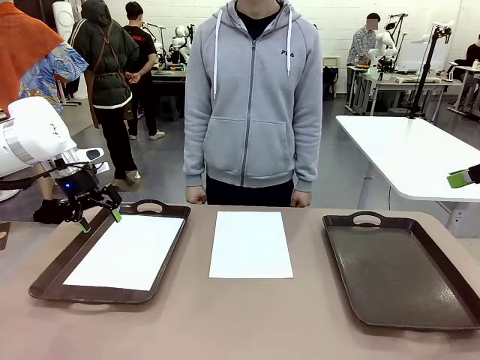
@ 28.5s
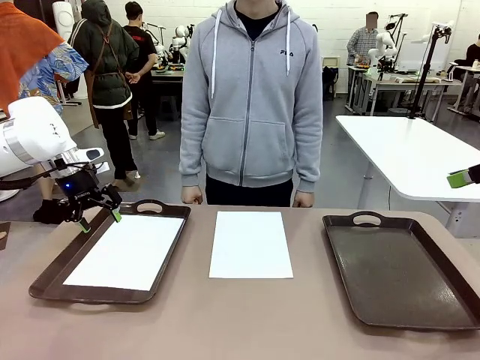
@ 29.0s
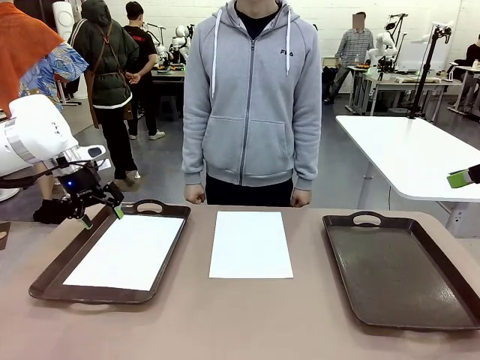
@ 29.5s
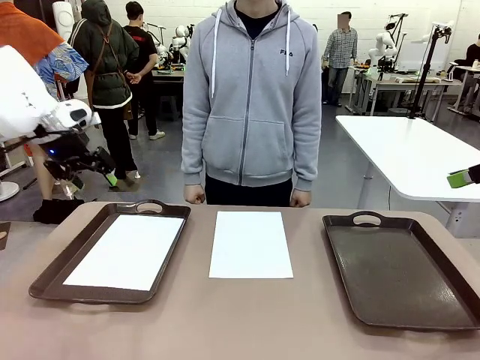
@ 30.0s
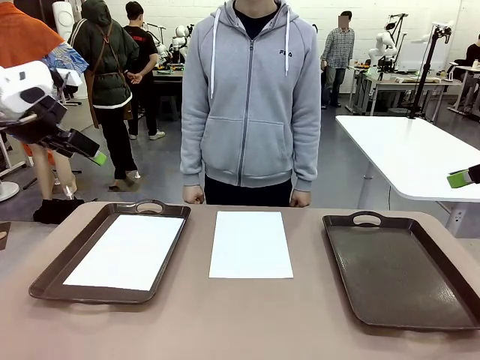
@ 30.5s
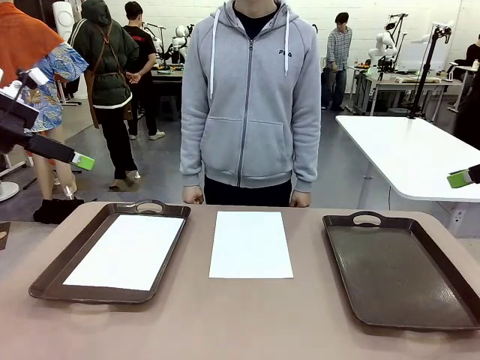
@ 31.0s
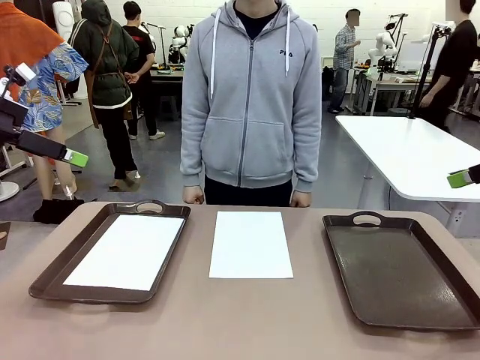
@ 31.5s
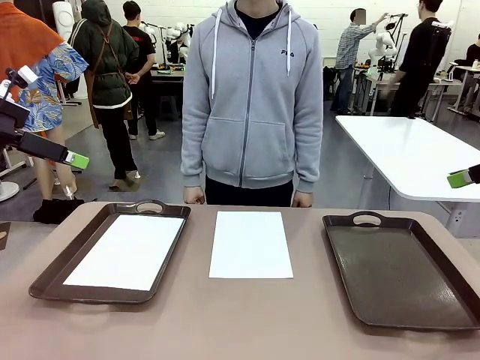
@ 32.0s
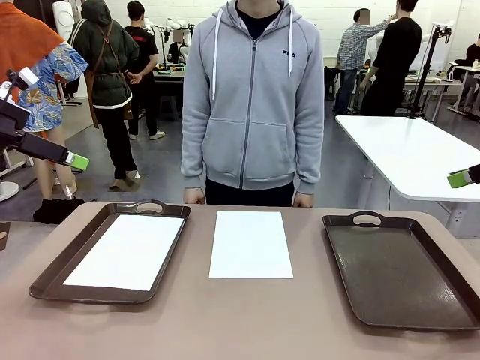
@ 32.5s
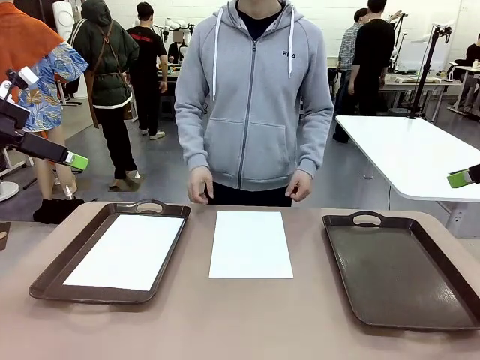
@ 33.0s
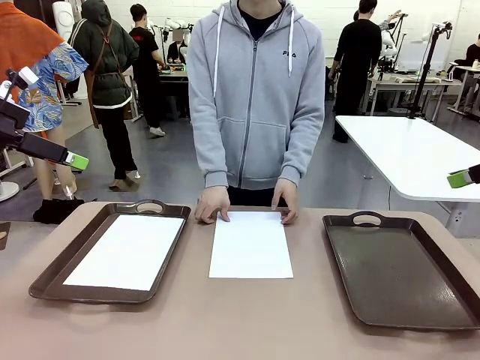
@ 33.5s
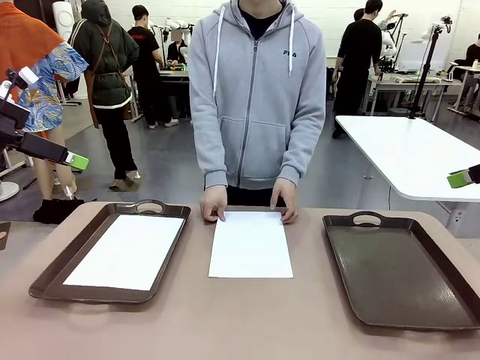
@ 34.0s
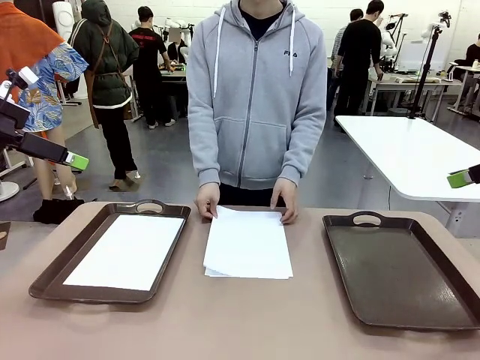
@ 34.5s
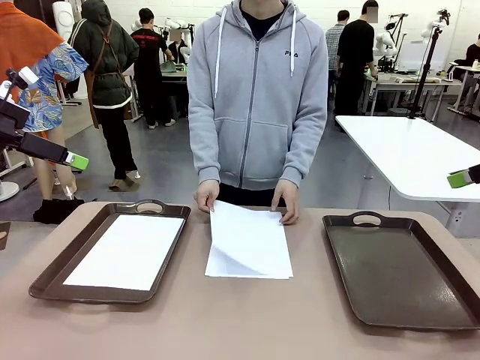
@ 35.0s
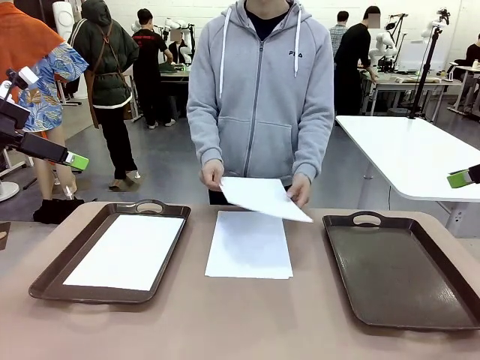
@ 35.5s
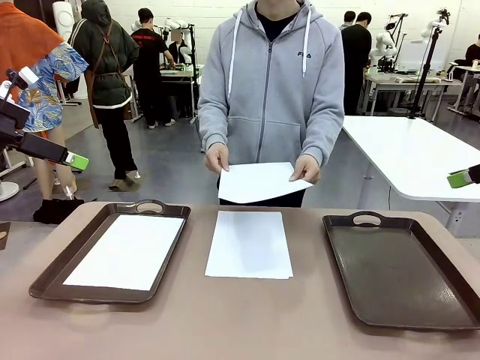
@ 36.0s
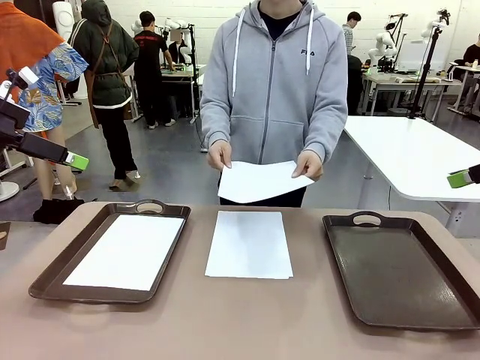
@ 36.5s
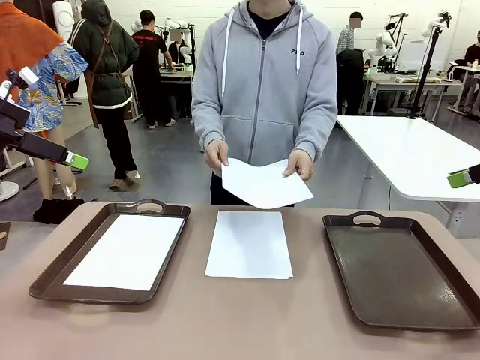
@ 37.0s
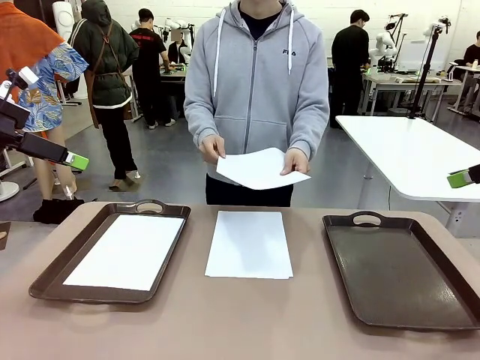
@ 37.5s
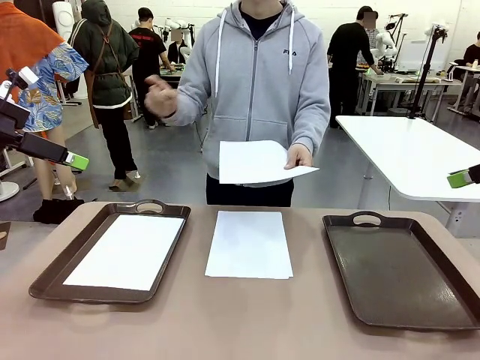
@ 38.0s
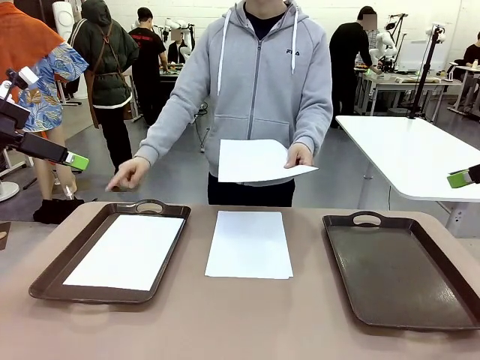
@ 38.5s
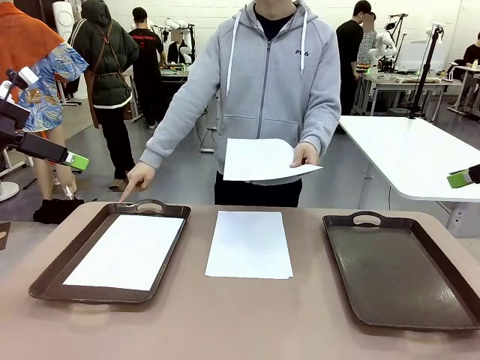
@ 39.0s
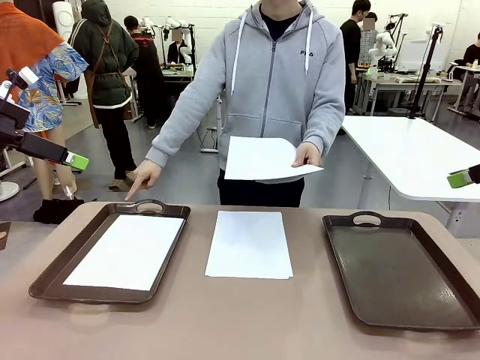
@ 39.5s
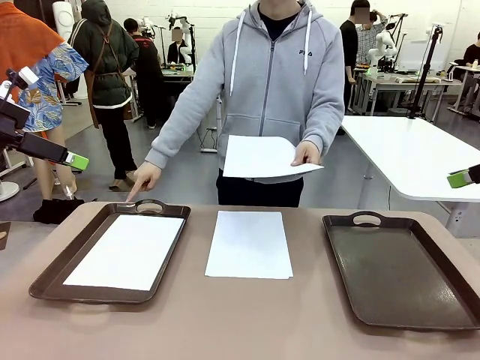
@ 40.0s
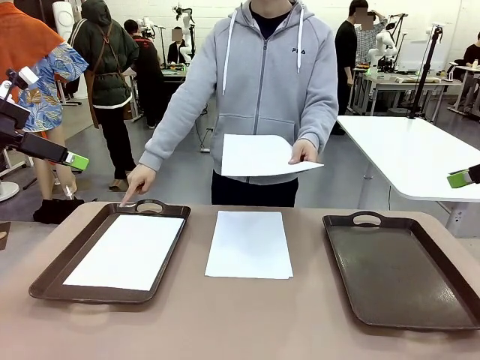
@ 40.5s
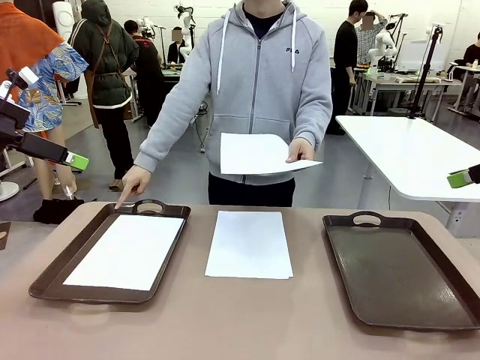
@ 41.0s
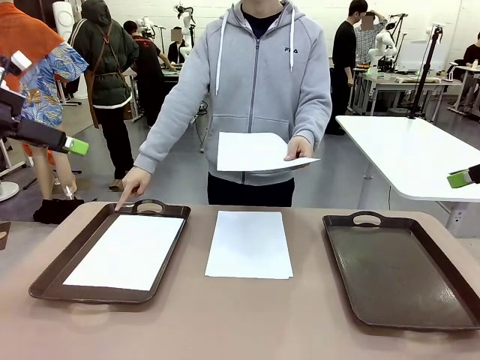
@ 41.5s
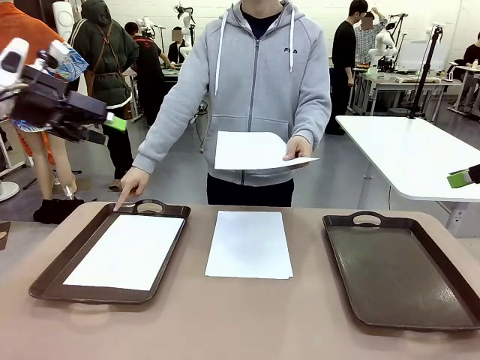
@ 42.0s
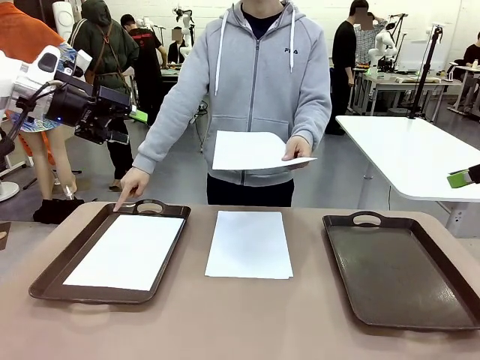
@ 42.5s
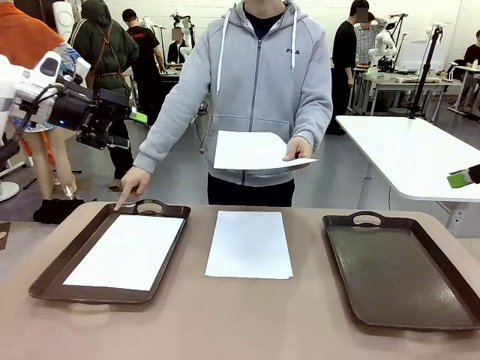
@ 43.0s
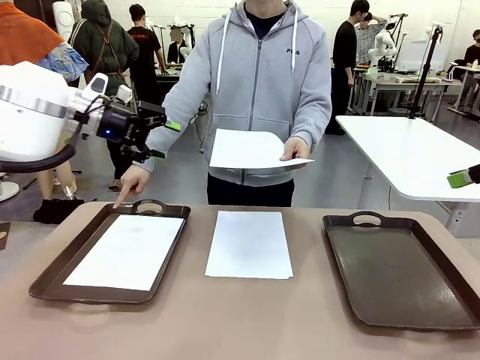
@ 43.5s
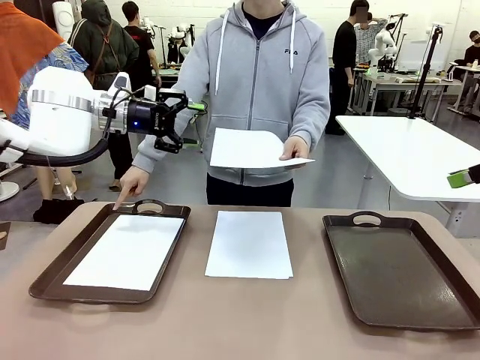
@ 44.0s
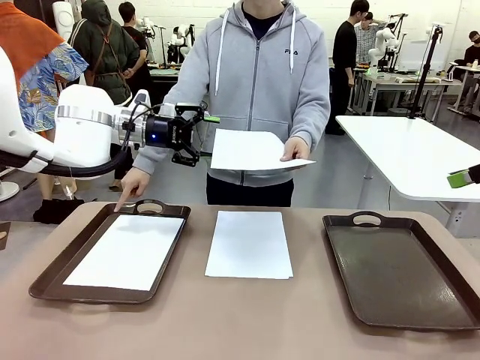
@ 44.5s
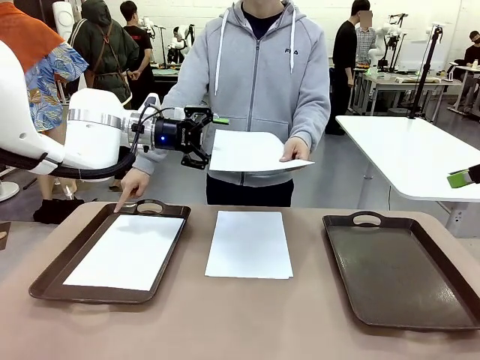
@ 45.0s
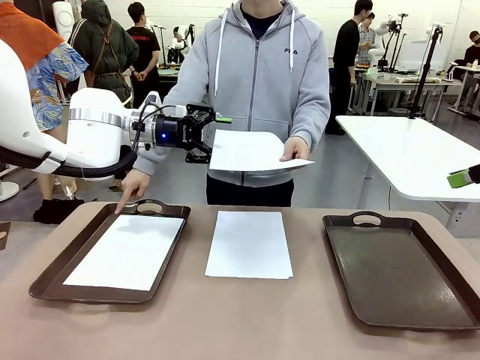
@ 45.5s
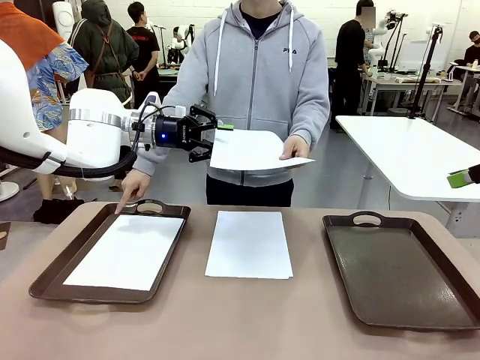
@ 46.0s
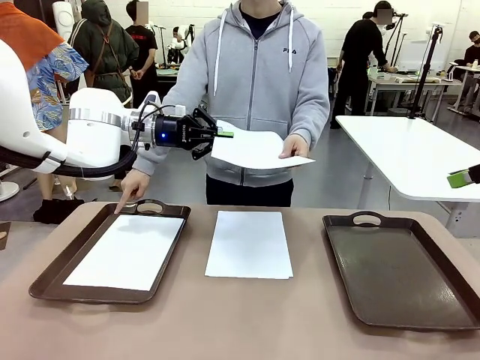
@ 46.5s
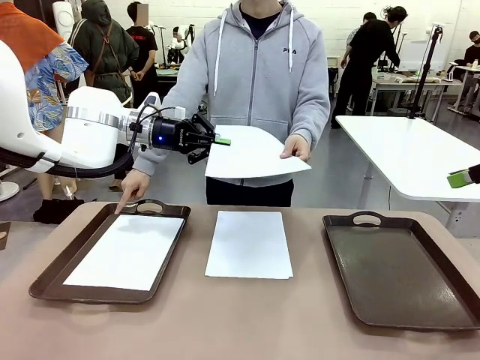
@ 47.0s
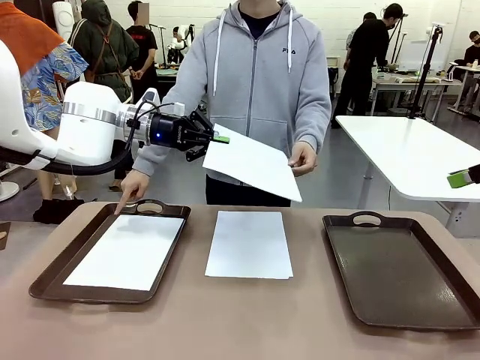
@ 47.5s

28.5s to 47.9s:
Task: Sort the A4 documents.
Robot: Receive the A4 Paper.
Person: Point the randomly selected tray with the other hand.

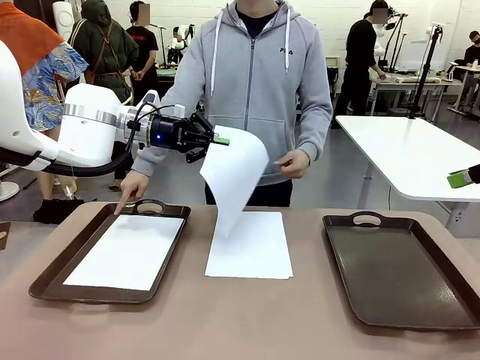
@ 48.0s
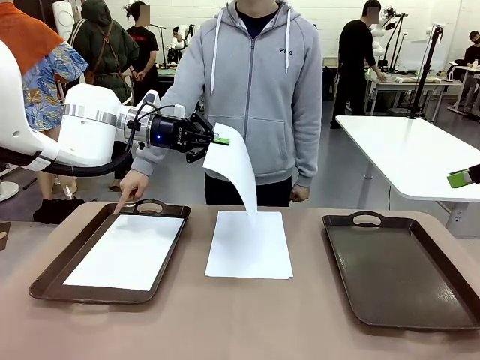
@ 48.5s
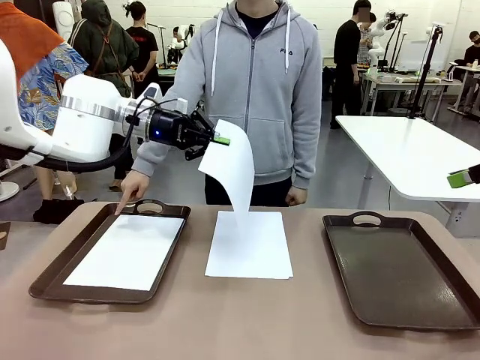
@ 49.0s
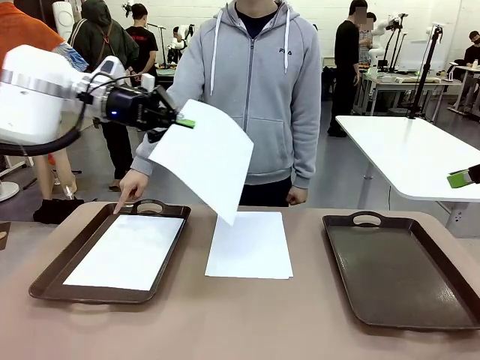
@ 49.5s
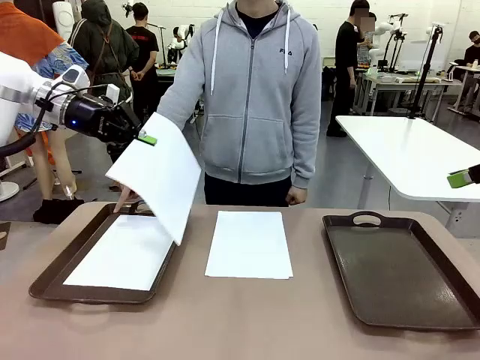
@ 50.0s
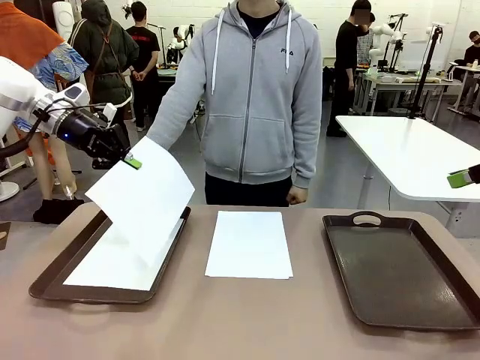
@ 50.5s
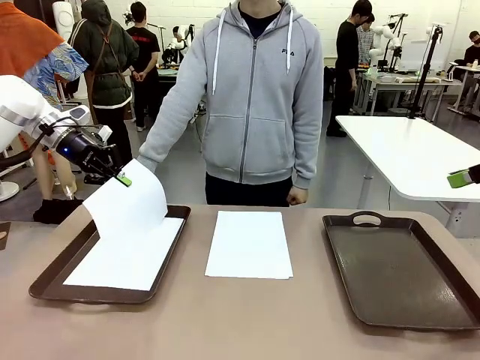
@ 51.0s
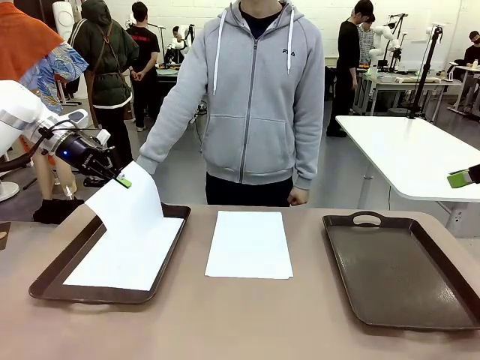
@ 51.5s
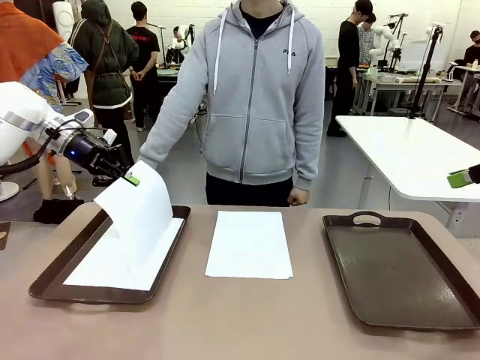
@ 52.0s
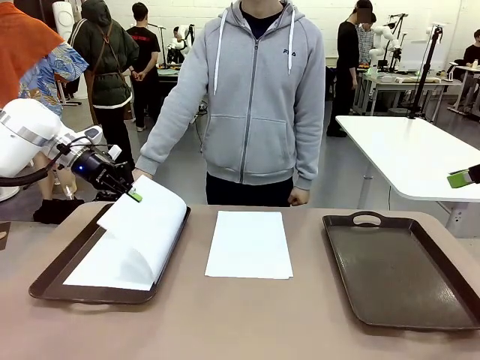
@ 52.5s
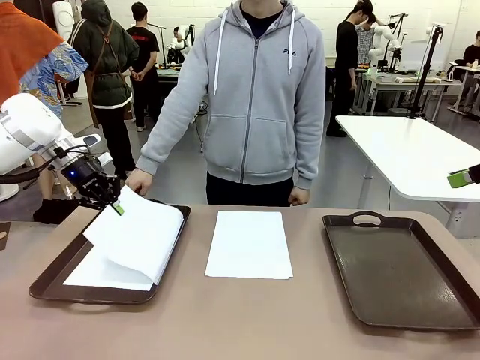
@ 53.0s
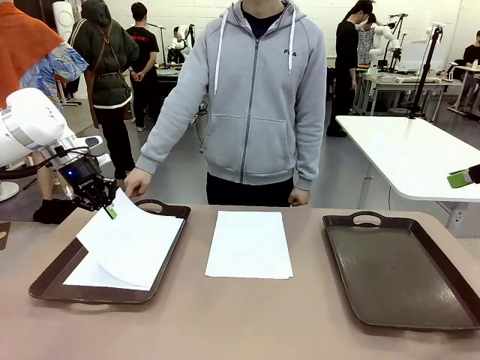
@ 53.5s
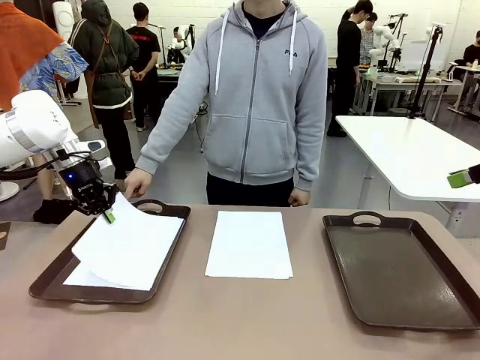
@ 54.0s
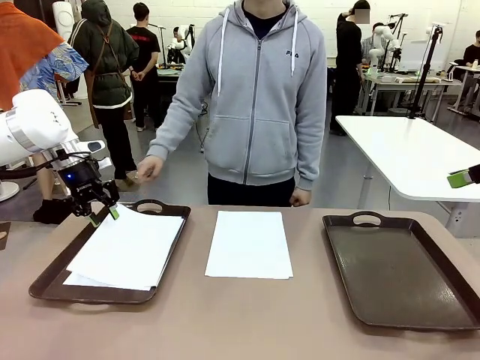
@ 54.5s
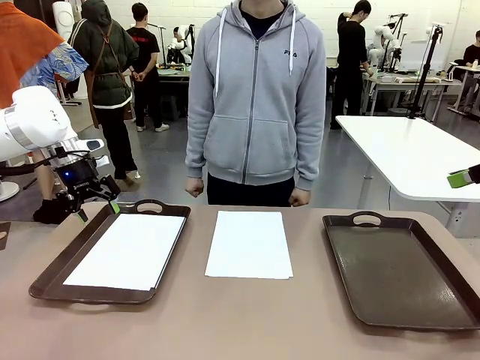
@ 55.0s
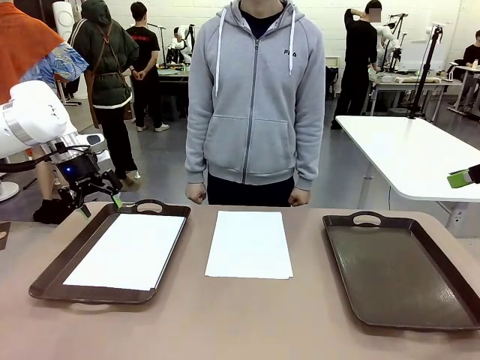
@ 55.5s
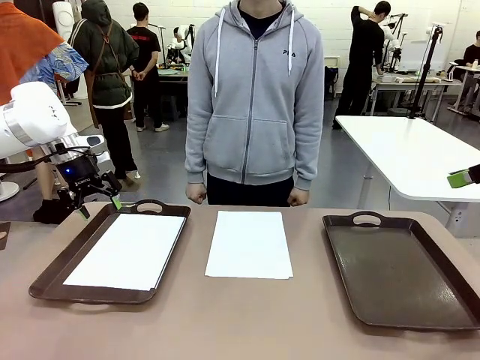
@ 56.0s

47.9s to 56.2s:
Robot: Place the A4 Paper in the designated Handle tray.
